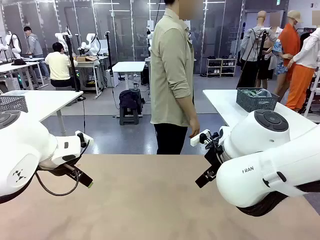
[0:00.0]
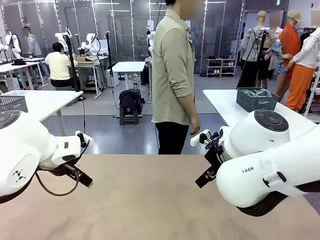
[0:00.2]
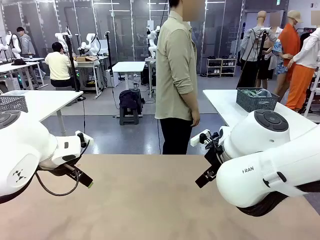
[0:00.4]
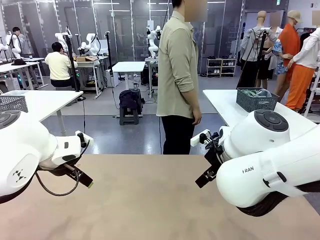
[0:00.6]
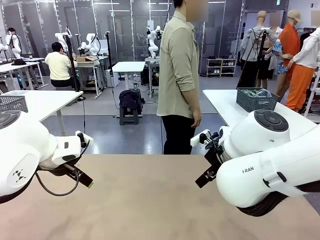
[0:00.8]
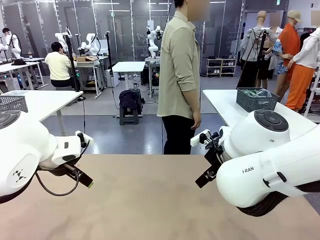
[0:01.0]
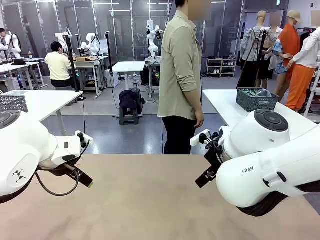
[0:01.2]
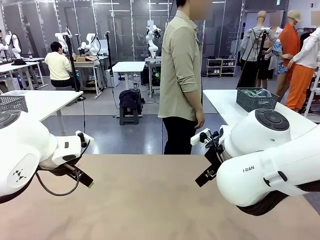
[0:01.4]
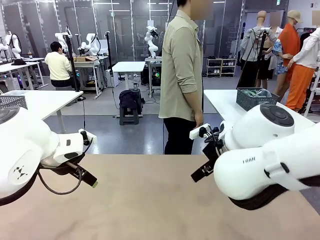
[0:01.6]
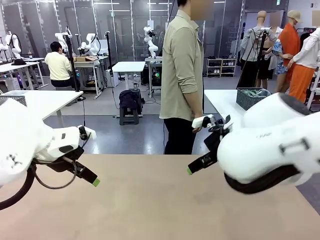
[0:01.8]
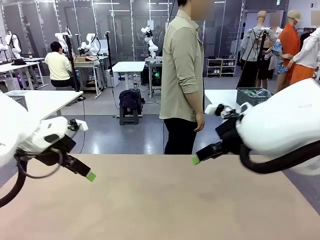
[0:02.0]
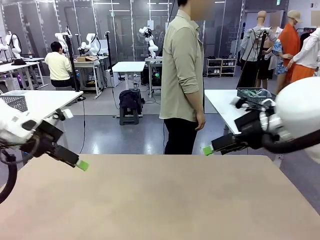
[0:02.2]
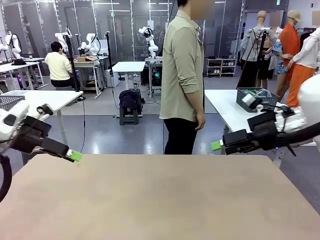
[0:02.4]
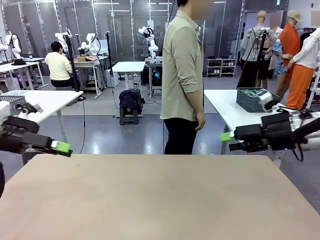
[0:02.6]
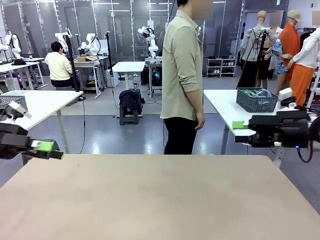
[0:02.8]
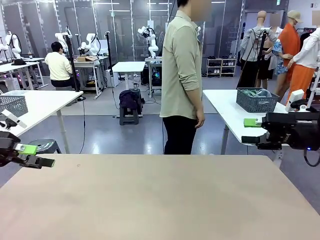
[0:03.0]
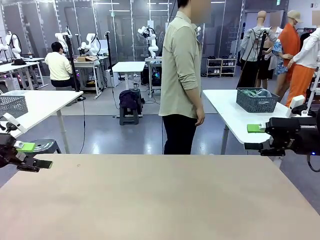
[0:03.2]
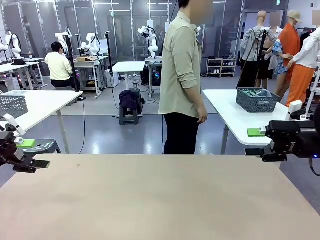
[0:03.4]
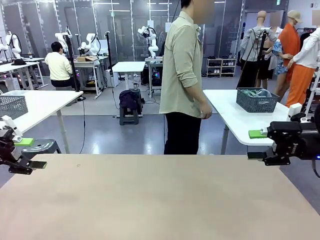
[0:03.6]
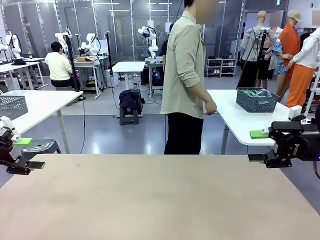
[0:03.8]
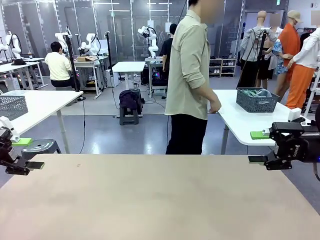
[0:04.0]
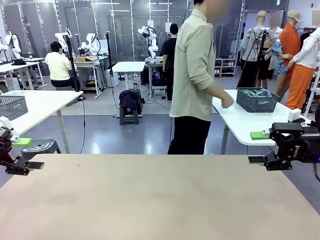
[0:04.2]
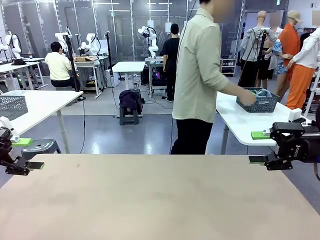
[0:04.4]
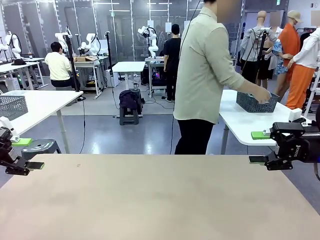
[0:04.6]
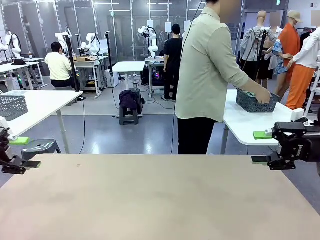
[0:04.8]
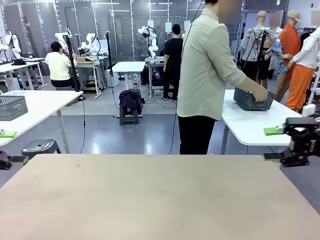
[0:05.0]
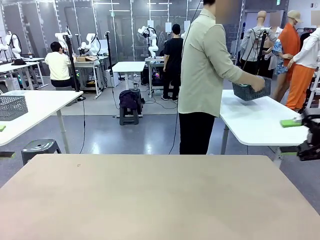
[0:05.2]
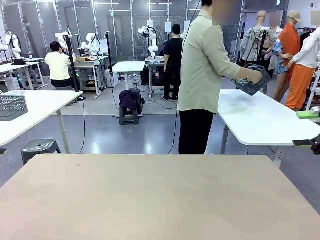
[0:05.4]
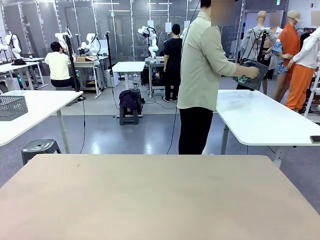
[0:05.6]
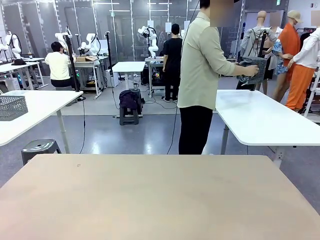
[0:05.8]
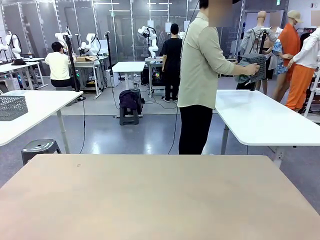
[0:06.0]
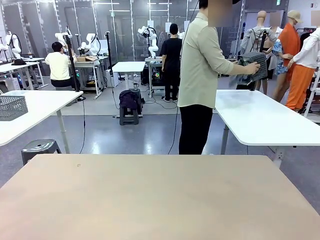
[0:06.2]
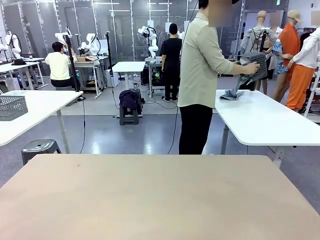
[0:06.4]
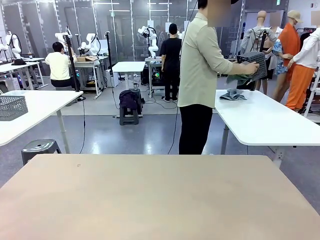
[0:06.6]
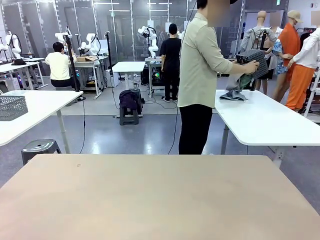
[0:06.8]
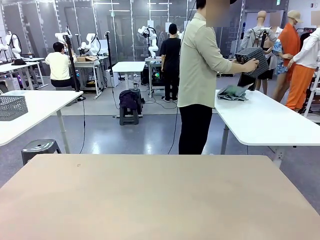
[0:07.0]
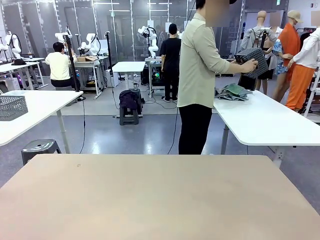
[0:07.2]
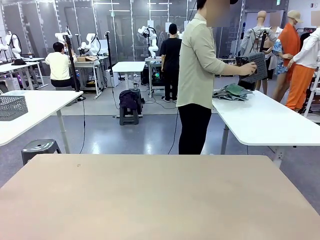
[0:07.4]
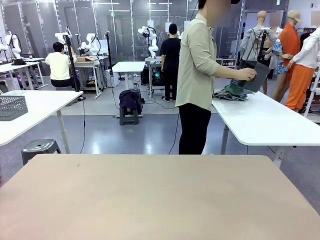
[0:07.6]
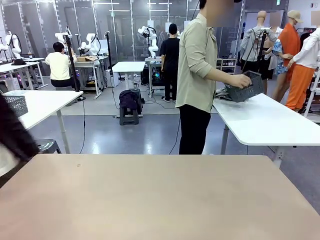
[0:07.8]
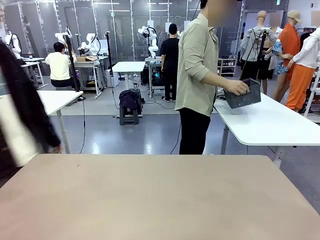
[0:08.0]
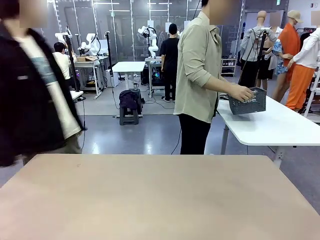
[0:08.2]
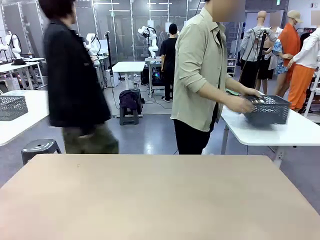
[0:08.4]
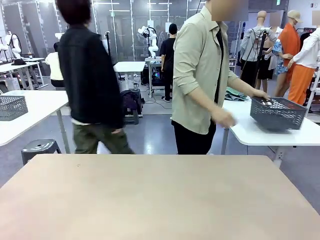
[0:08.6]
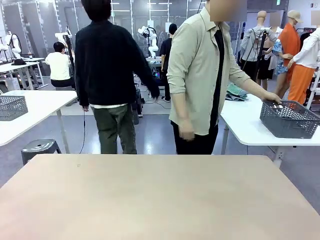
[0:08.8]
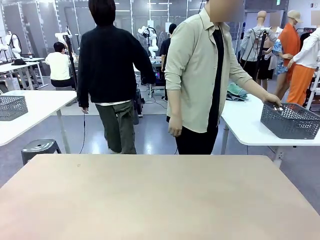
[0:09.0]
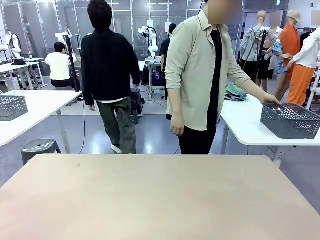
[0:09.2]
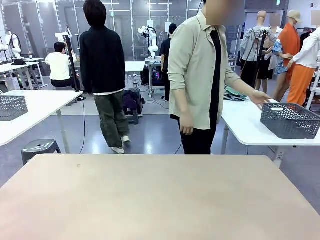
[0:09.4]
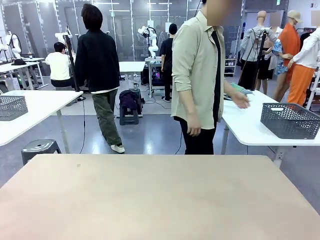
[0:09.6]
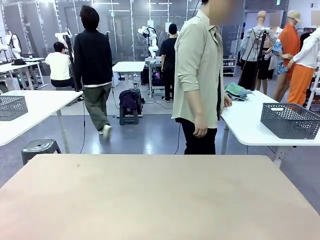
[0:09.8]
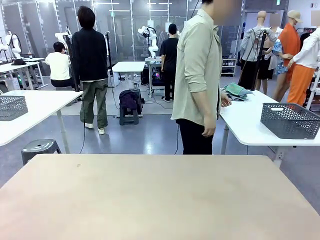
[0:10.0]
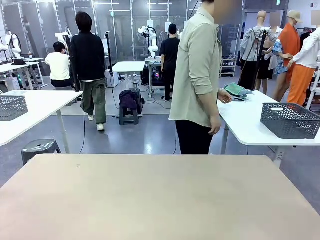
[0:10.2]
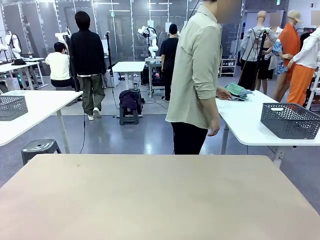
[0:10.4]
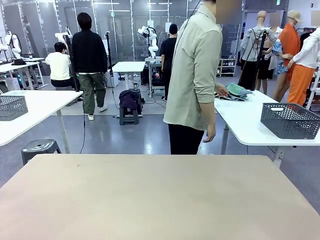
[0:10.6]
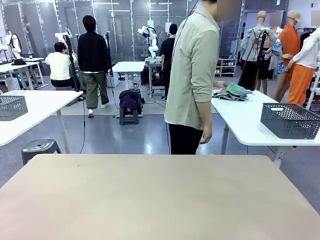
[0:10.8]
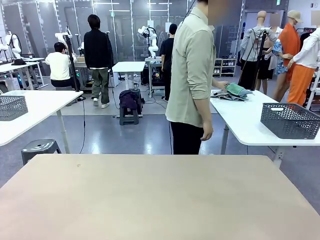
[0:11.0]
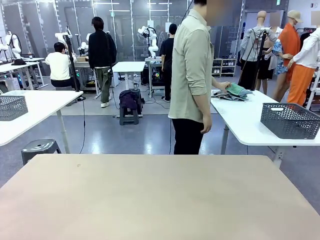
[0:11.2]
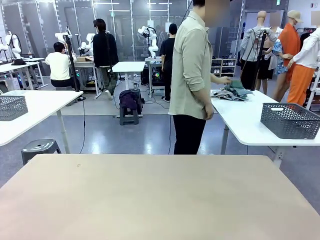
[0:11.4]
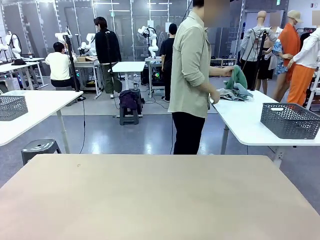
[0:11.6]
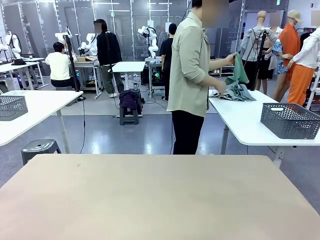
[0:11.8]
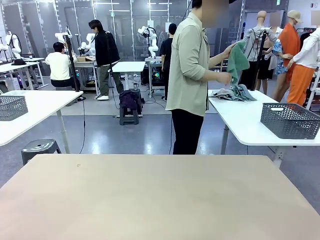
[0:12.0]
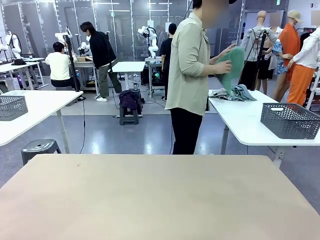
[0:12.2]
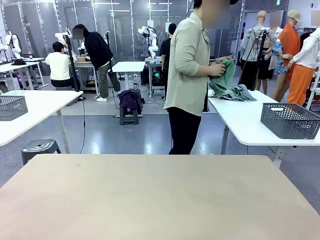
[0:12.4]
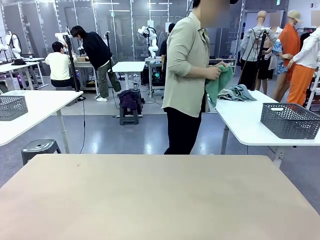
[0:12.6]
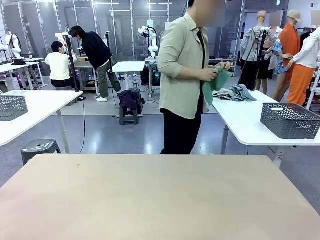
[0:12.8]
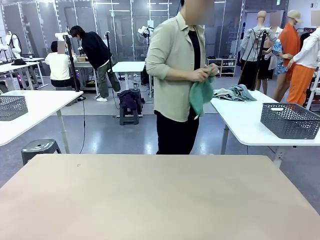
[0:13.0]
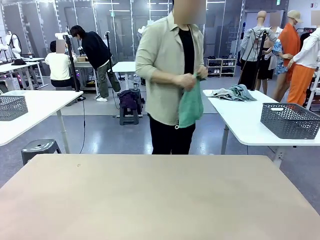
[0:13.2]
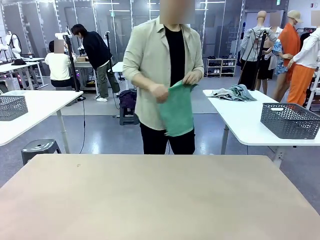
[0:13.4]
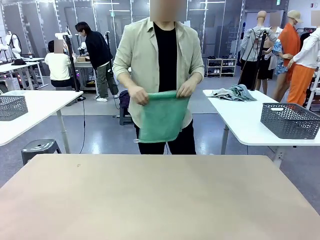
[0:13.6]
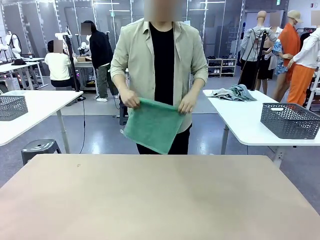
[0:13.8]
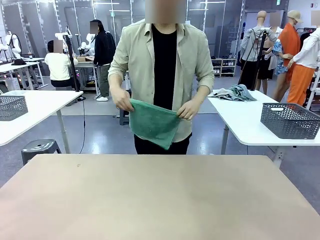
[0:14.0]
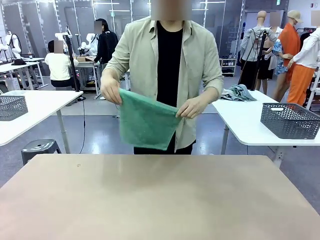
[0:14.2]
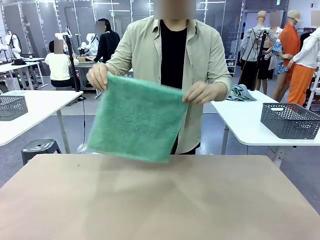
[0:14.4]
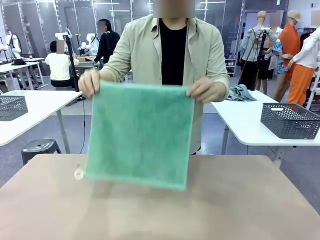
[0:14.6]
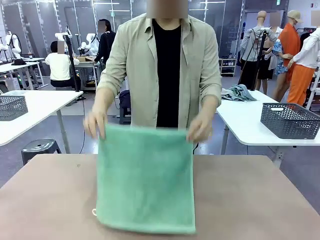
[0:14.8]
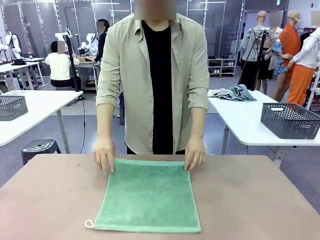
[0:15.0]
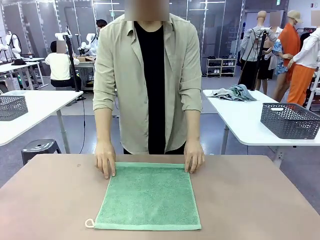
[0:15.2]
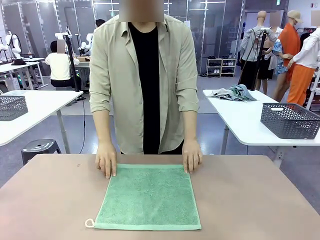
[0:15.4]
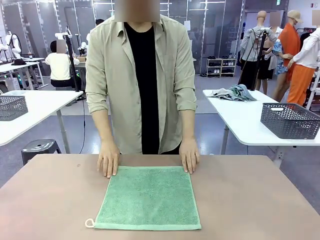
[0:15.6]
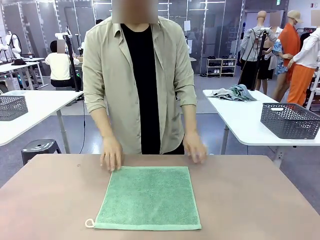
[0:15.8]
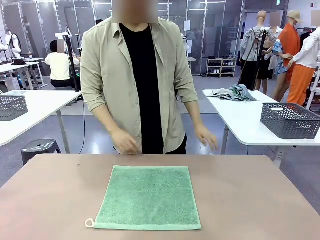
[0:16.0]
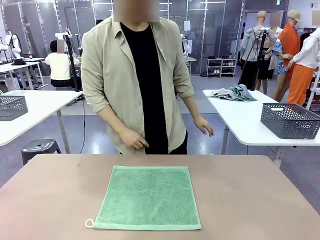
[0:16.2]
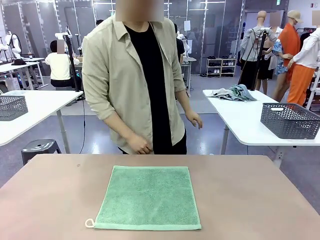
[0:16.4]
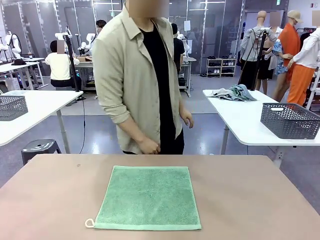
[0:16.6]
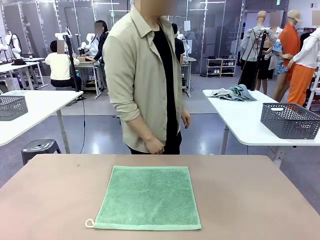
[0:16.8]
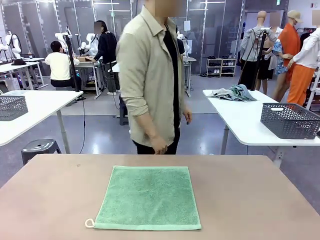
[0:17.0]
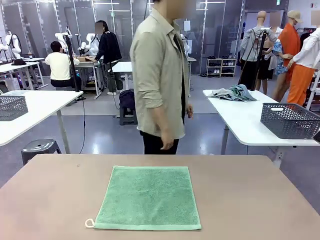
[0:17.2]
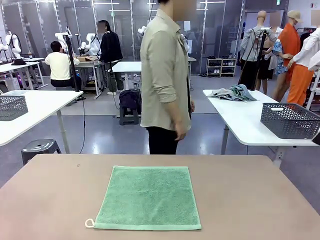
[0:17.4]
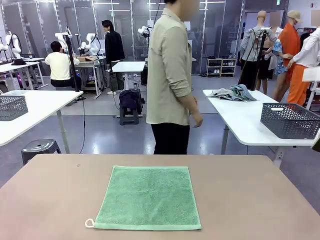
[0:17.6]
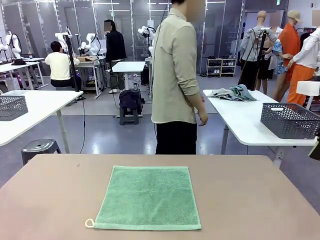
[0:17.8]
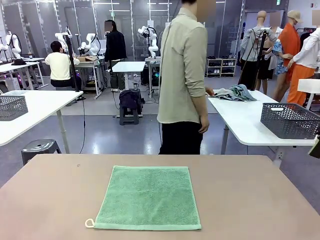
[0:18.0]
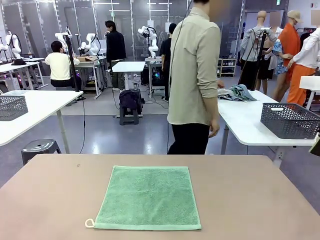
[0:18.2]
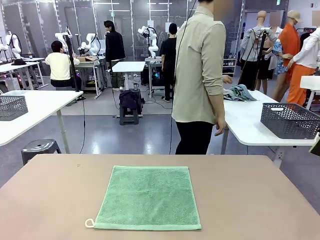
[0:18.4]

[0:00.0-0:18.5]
Task: Fold the towels and place them in the basket.
Robot: When a person lays out a Towel with hook on the table, fold it in half twice.
Person: Pick up the basket, pour the towels onto the left side of the human table, and place the basket on the right side. Pick up one towel and spread it out at the center of the robot table.
